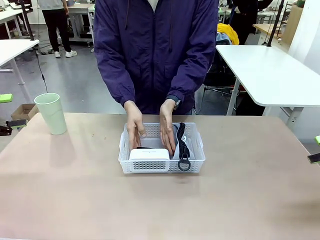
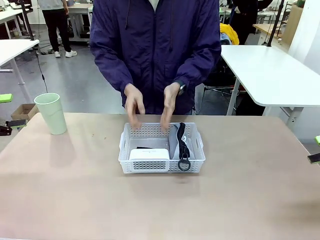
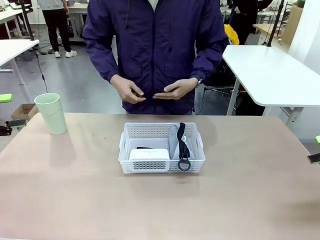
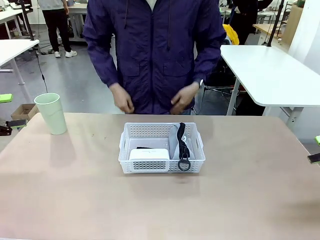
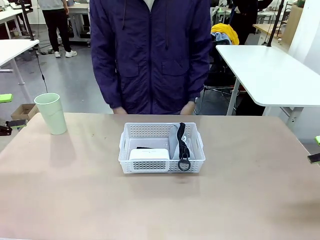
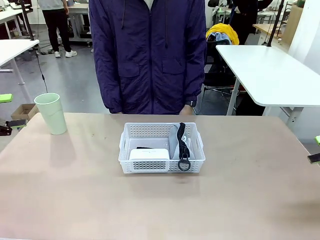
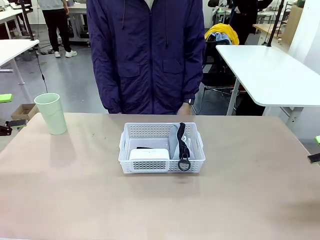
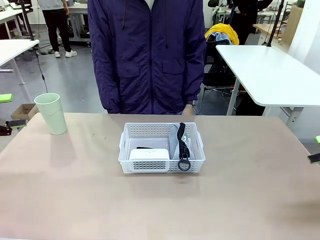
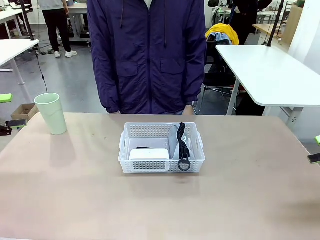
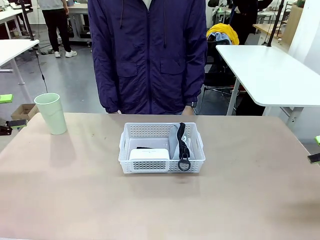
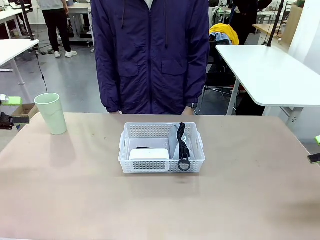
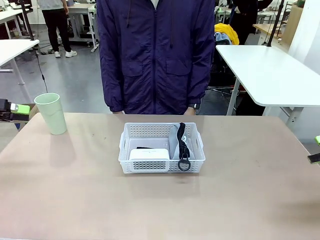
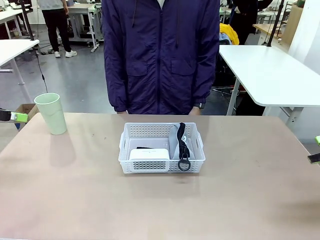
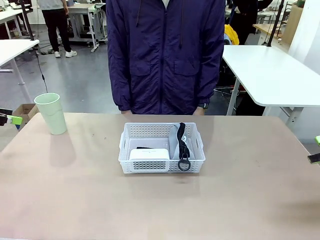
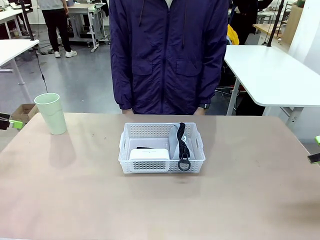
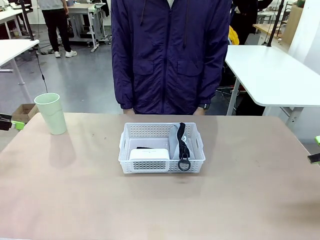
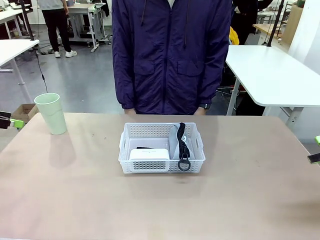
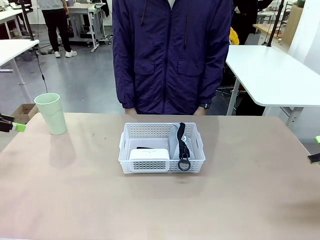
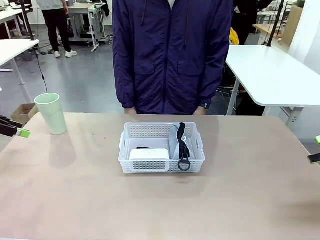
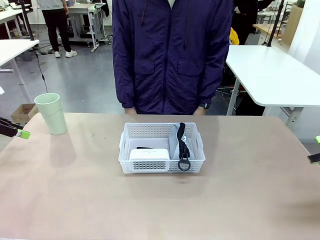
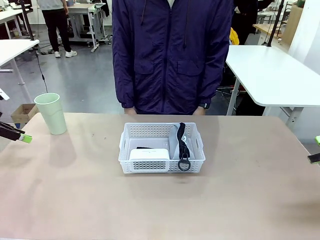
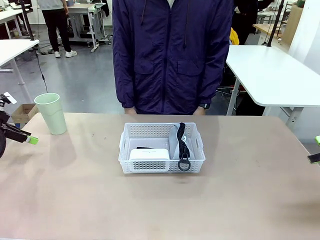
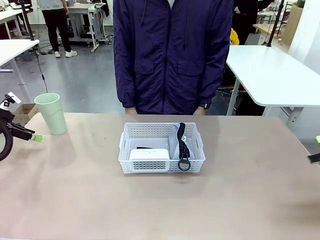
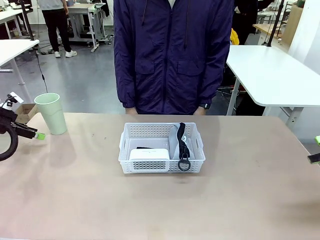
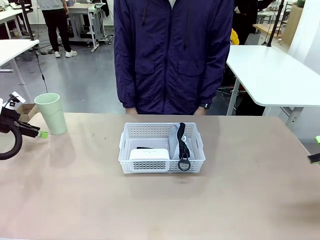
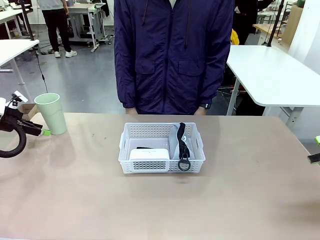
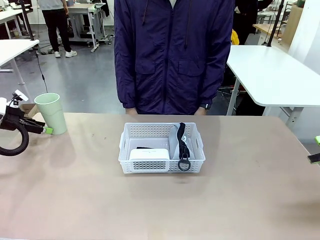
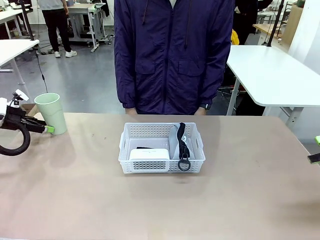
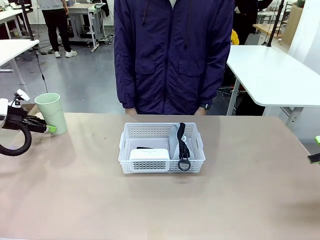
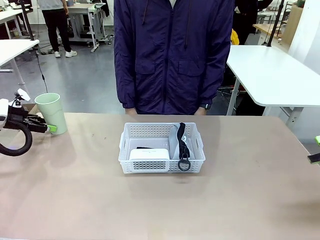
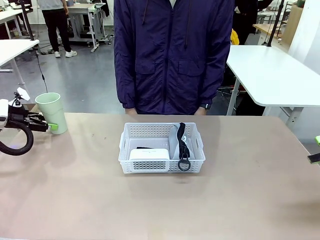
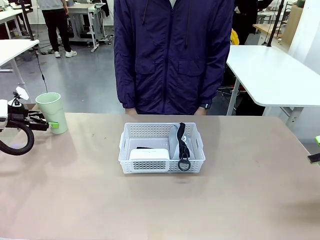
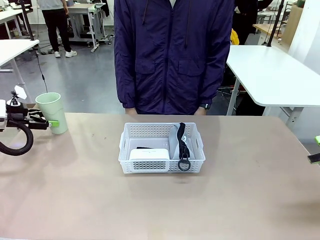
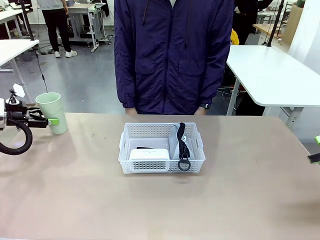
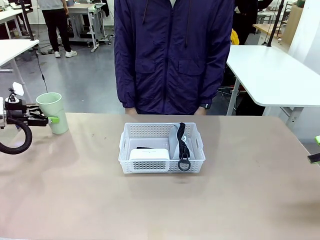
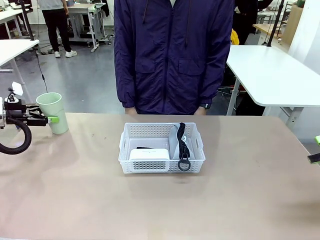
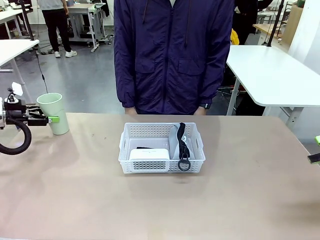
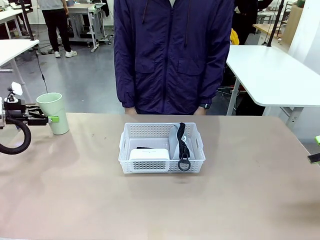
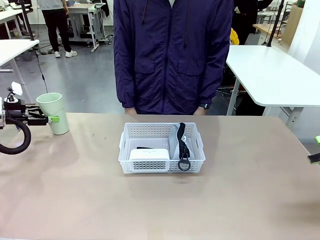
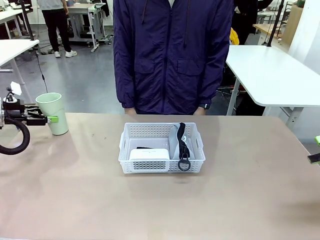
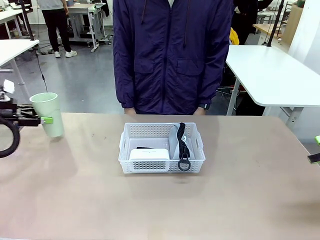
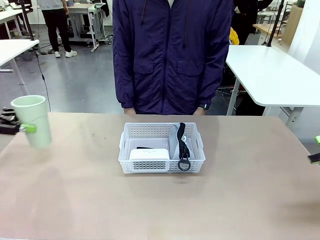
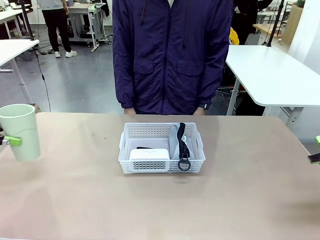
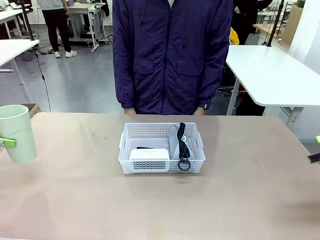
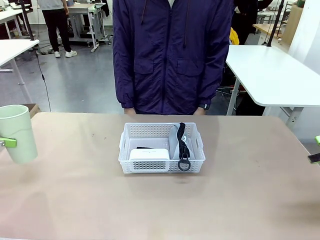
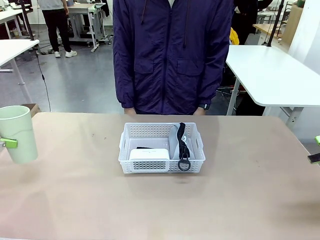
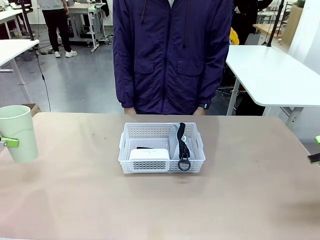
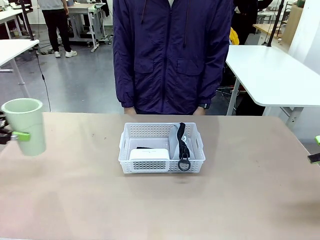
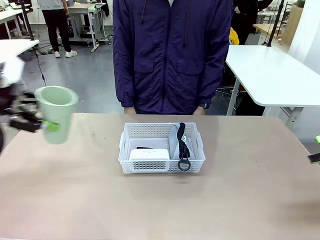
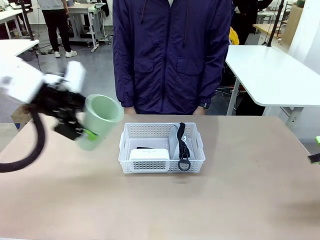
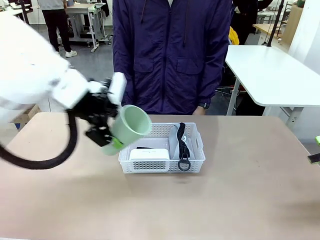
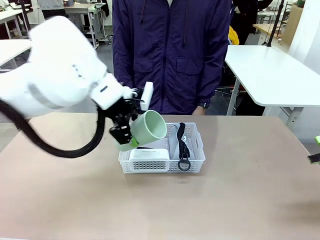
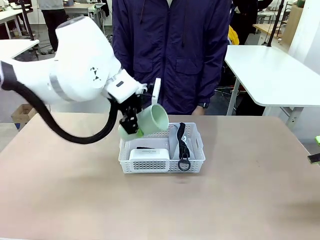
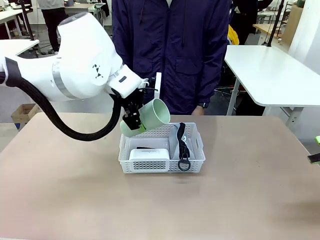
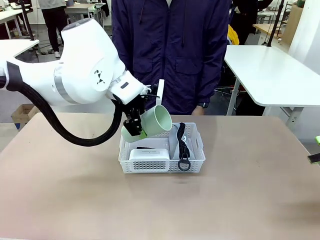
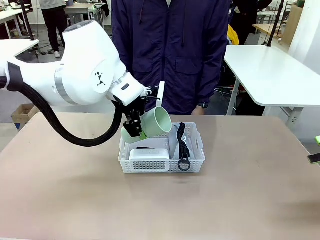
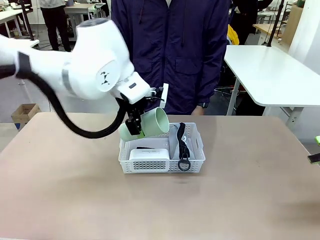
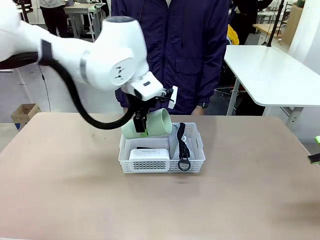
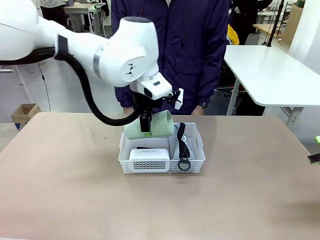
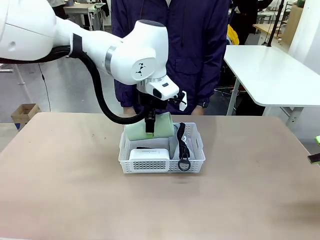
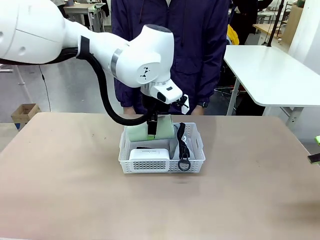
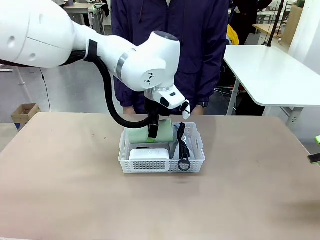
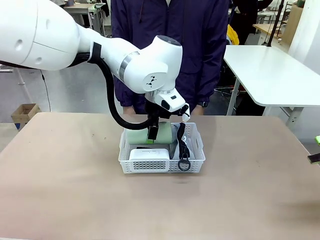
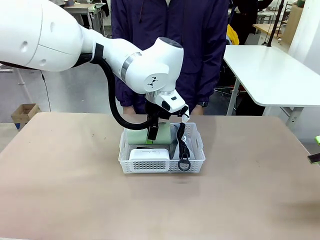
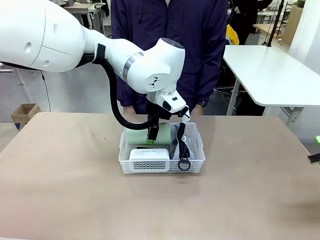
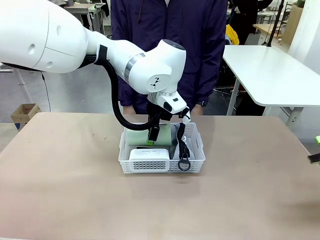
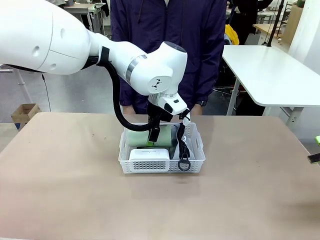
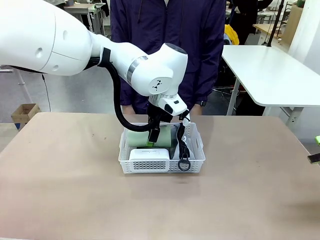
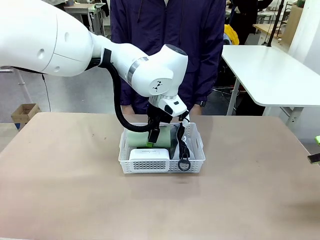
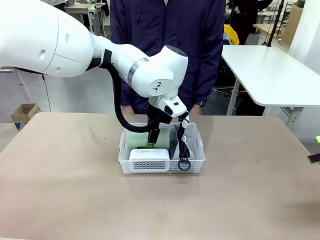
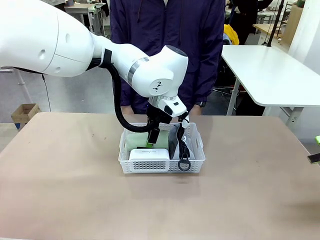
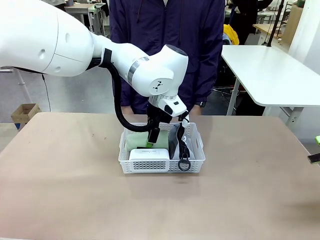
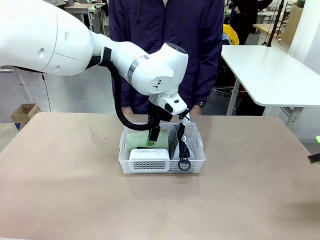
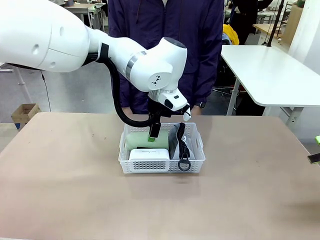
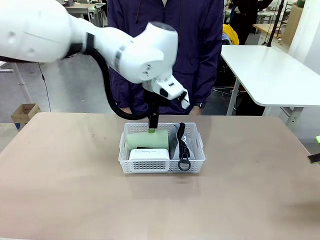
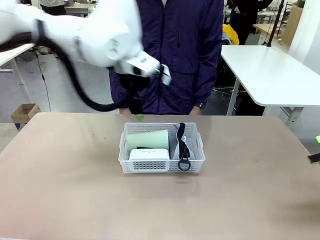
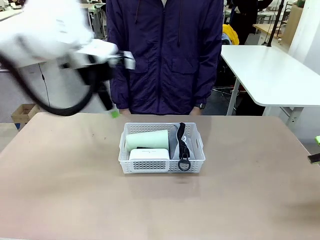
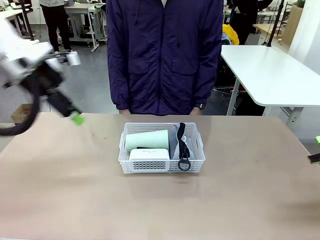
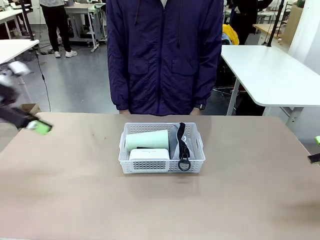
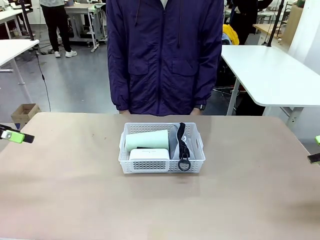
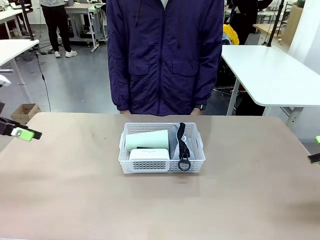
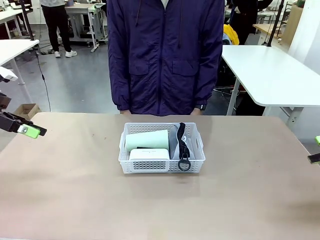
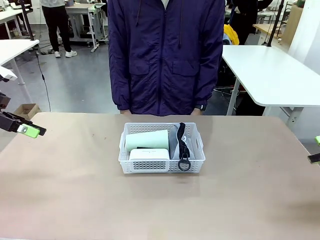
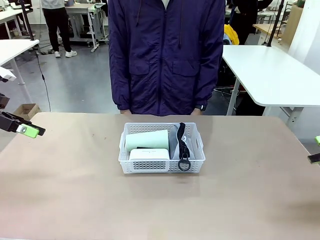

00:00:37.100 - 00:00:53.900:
Task: Efficiently arrange items inside the basket to fit them all.
Robot: Pick up the Reusable plastic cup and place it inside the Organizing basket.
Person: Repositions the stapler.
